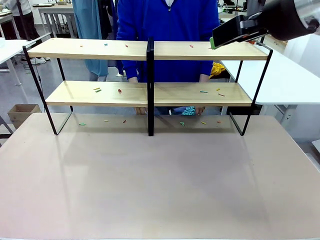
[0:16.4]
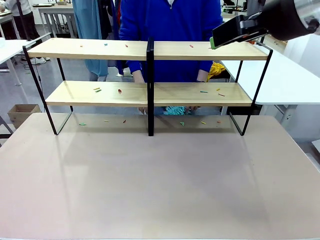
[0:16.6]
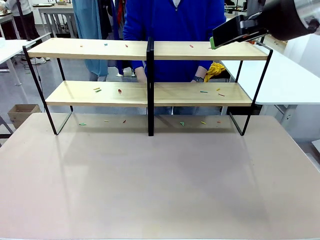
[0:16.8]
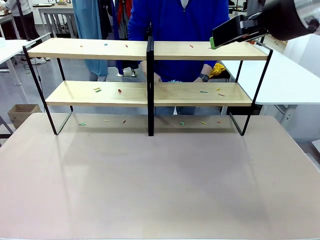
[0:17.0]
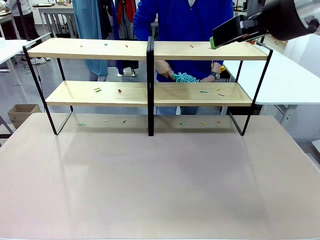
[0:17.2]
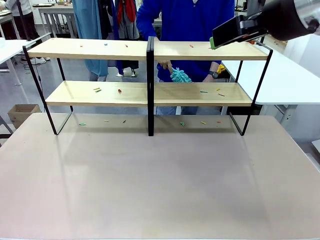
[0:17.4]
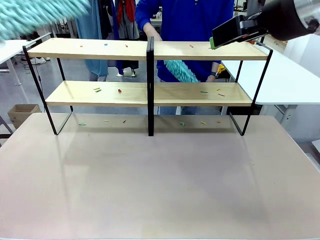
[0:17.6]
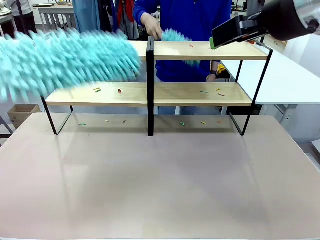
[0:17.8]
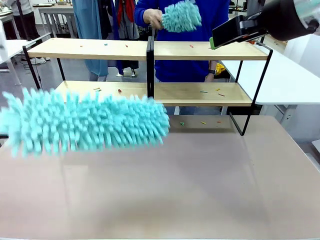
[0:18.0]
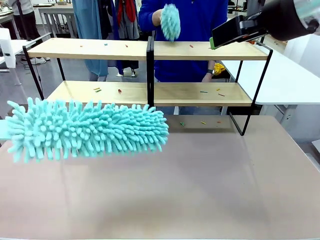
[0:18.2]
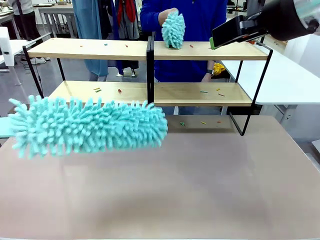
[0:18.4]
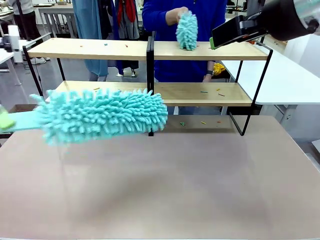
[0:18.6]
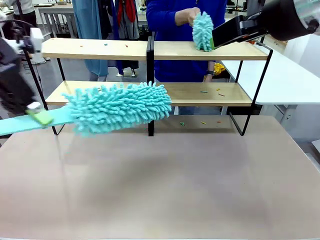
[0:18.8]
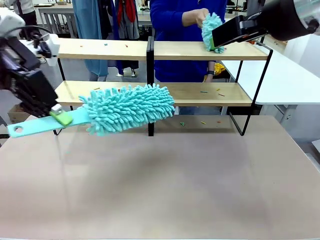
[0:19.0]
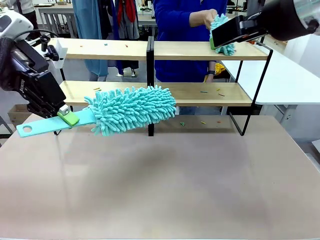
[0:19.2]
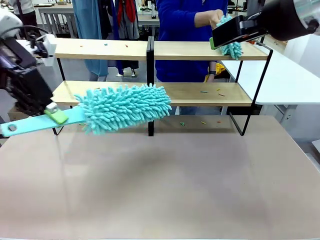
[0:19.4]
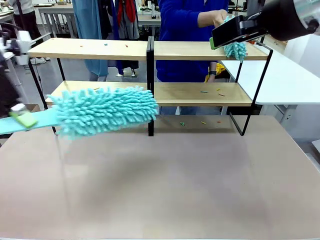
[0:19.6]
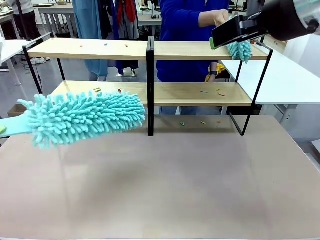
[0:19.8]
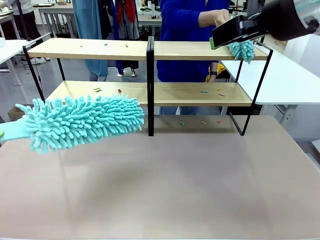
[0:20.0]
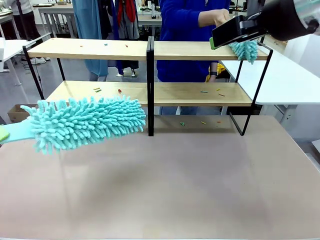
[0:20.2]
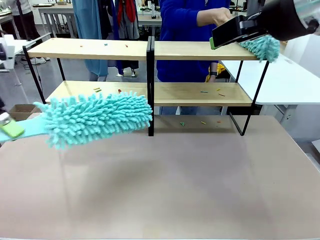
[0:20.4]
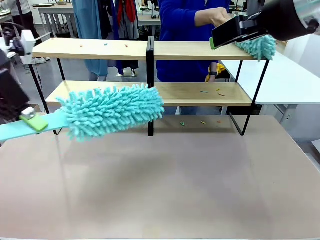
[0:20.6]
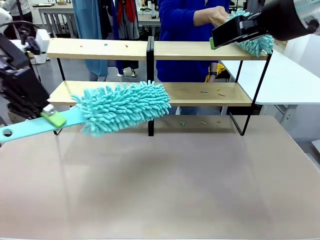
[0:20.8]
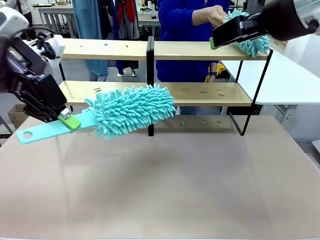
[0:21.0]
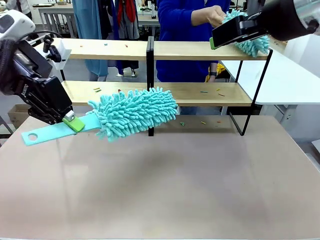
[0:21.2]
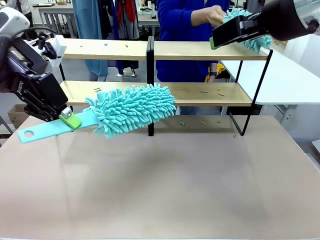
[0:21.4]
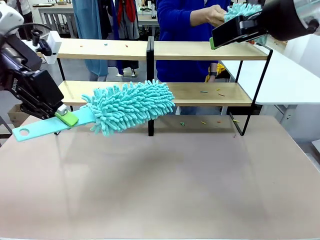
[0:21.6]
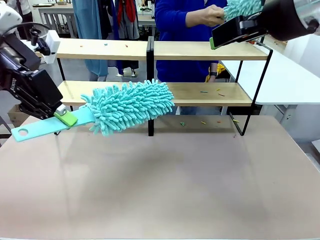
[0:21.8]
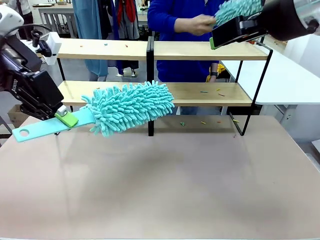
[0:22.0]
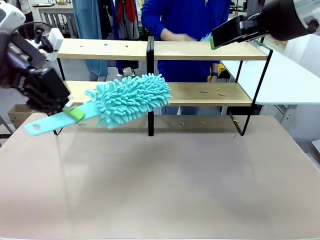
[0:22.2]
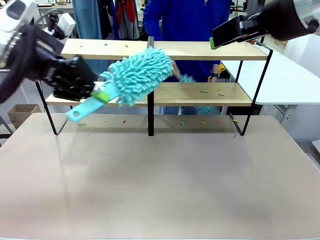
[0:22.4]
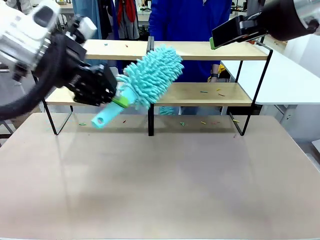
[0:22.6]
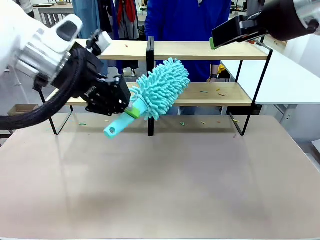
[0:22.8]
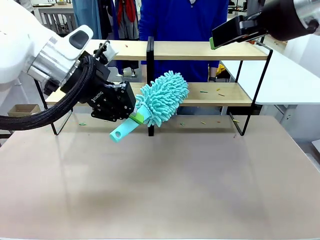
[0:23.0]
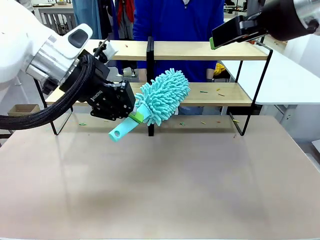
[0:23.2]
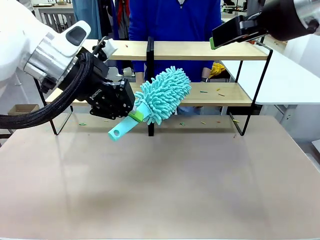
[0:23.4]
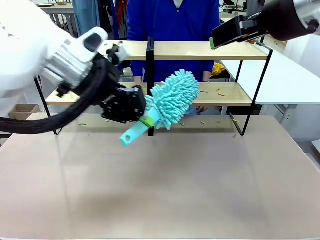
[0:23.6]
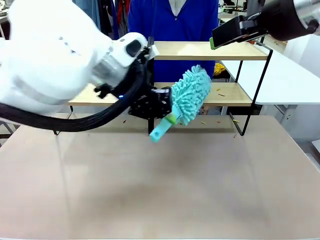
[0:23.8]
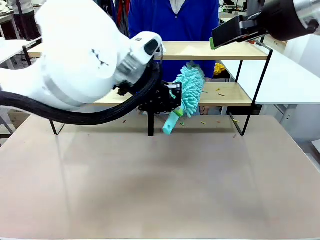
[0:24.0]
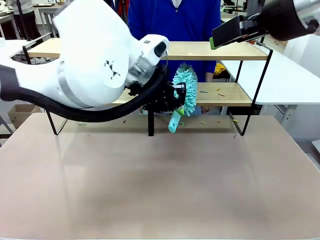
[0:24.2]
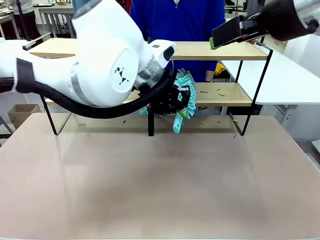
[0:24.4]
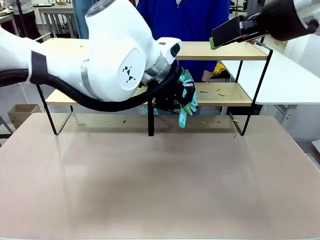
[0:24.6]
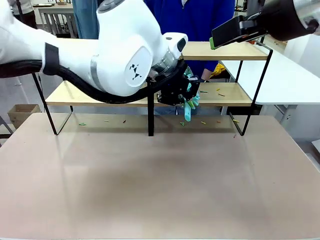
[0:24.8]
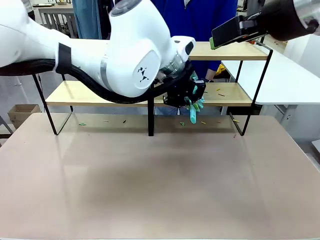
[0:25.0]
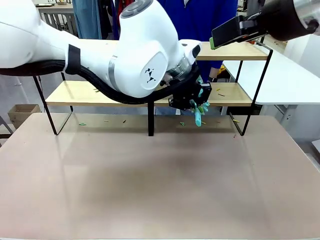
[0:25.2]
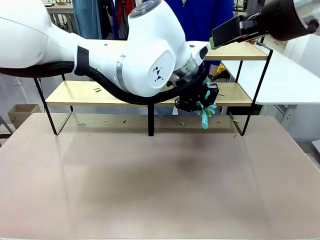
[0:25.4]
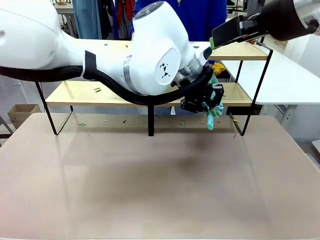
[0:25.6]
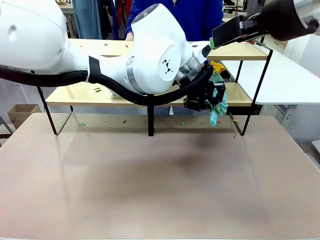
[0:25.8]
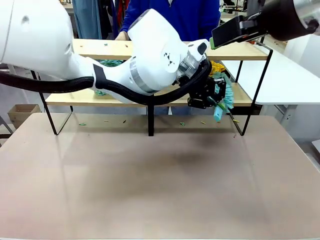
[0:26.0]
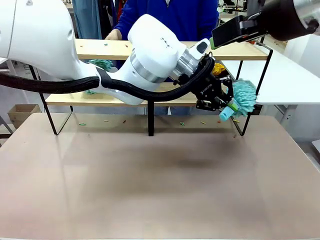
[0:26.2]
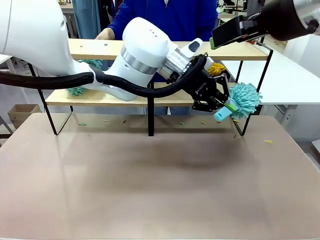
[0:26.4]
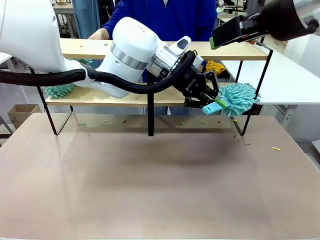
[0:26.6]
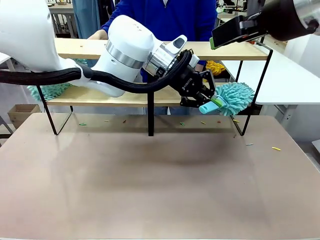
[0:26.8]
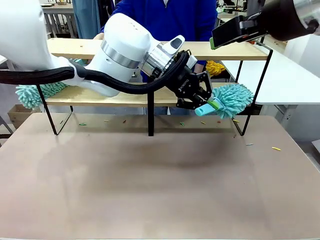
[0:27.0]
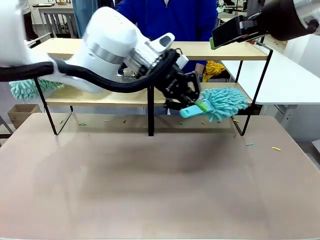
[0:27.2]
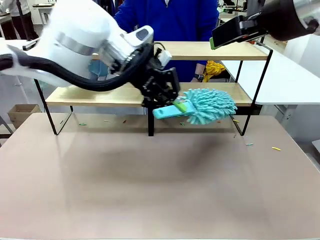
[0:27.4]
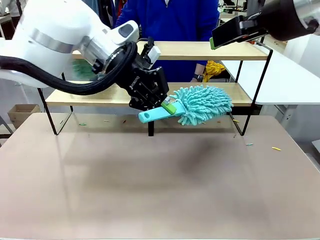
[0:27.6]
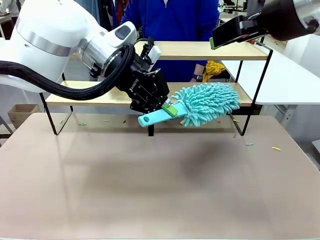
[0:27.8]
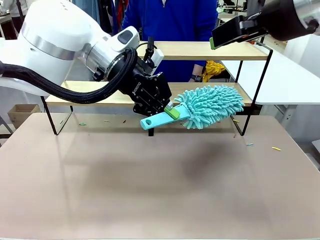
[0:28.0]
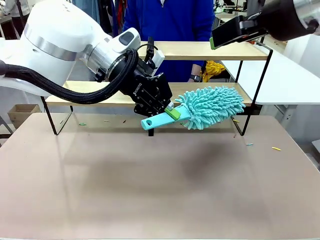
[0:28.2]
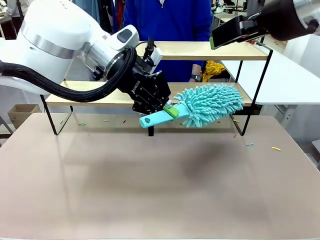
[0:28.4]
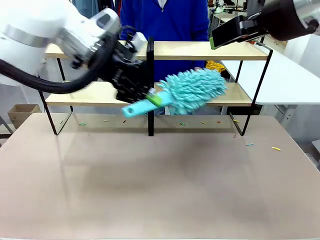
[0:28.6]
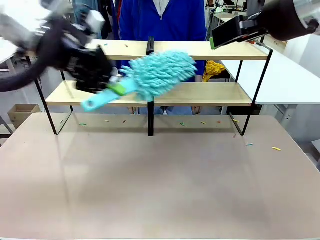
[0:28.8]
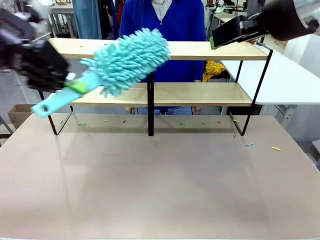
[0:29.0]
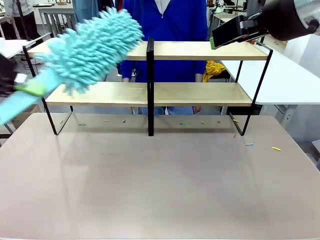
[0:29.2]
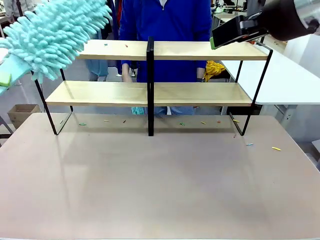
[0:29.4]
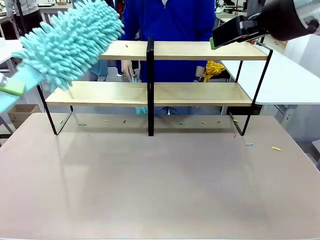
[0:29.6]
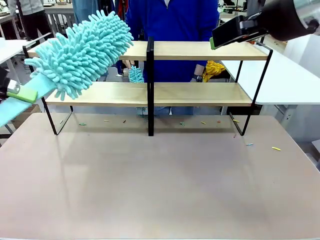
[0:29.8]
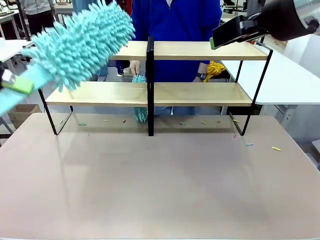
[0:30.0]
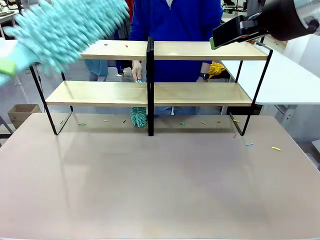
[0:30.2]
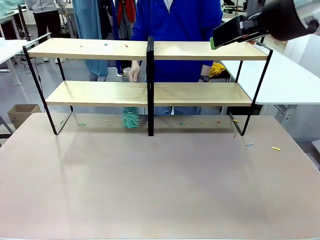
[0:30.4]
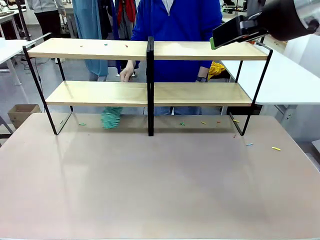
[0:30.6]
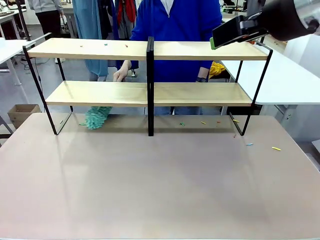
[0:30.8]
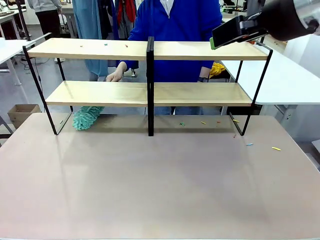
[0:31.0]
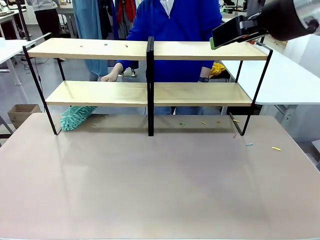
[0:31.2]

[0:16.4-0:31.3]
Task: Clean the shelves.
Robot: Clean a randomly selected level of the Shelf with the Duster.
